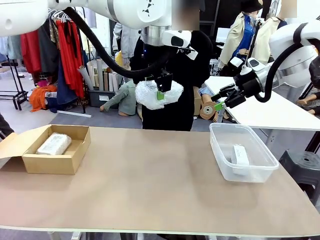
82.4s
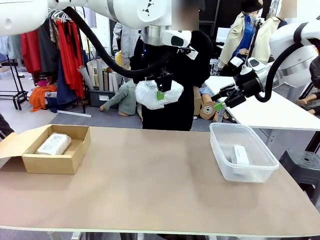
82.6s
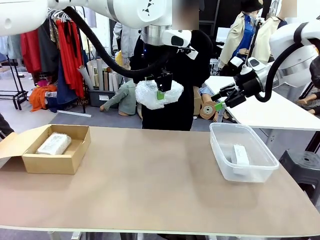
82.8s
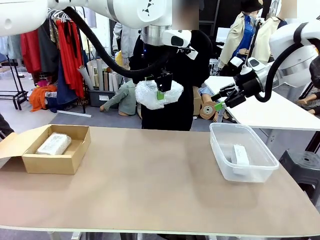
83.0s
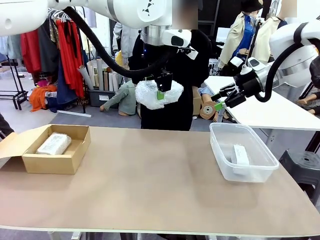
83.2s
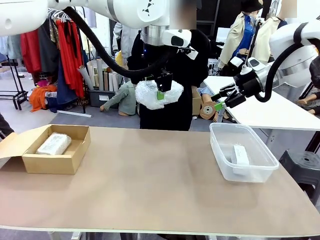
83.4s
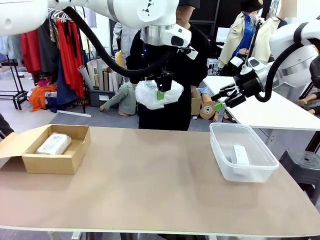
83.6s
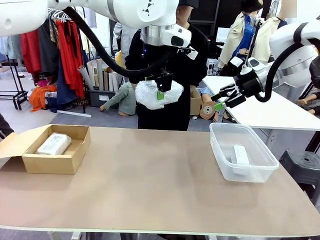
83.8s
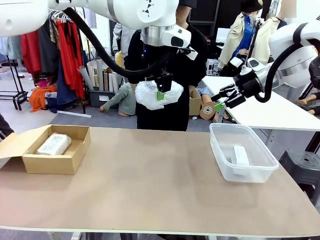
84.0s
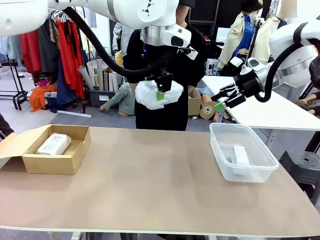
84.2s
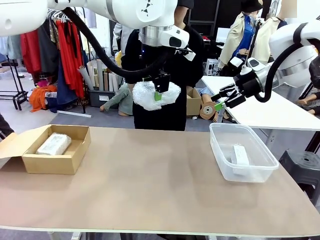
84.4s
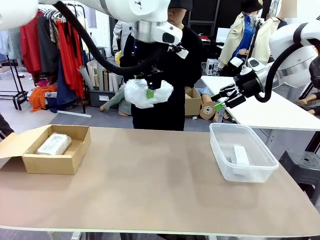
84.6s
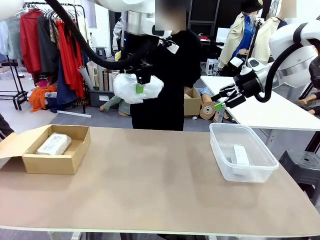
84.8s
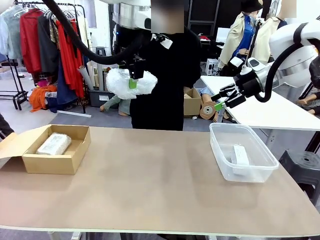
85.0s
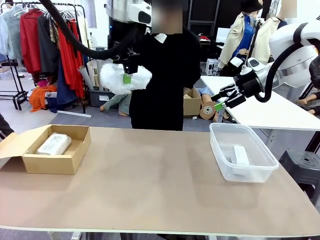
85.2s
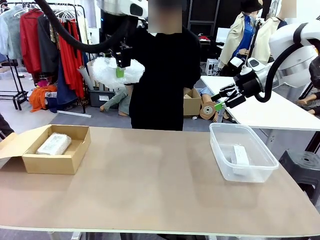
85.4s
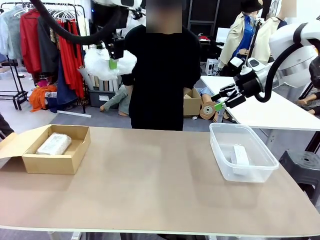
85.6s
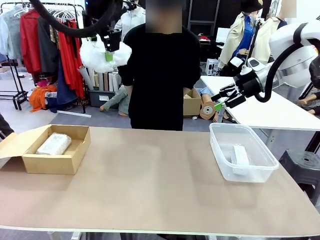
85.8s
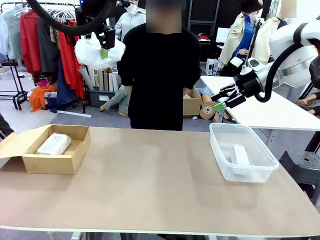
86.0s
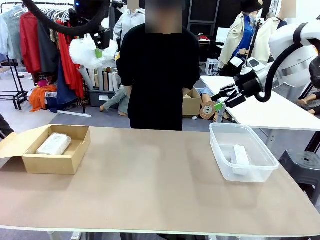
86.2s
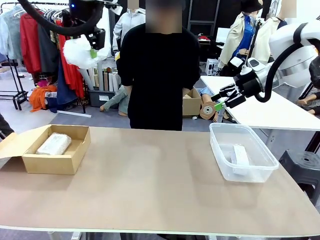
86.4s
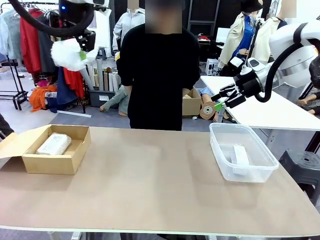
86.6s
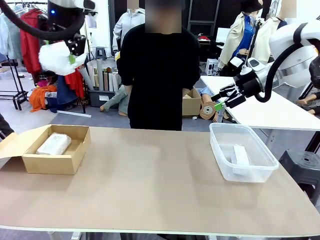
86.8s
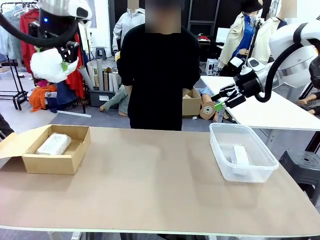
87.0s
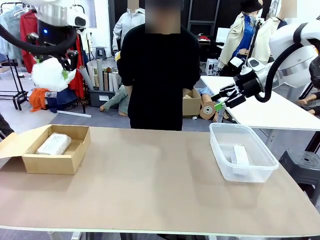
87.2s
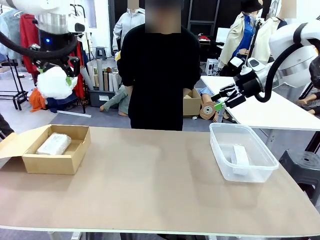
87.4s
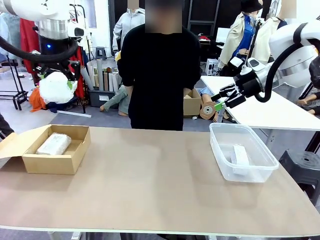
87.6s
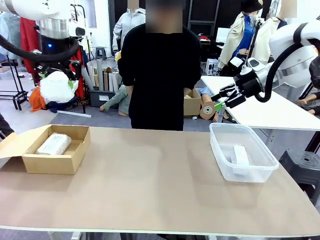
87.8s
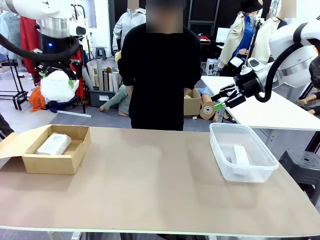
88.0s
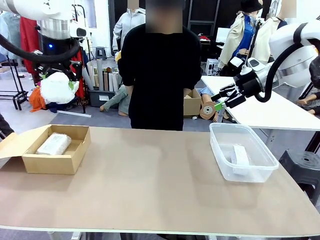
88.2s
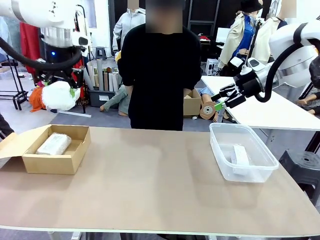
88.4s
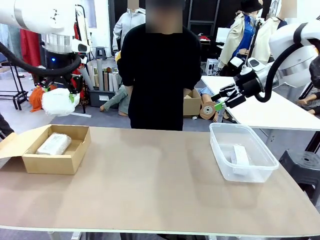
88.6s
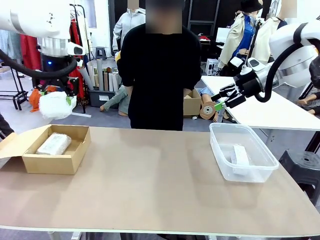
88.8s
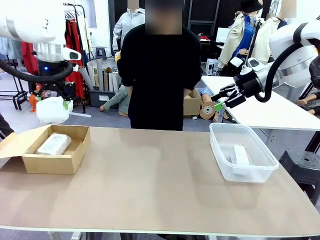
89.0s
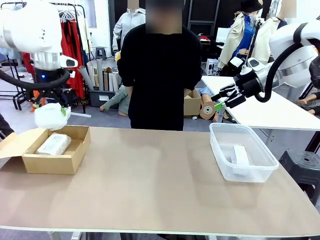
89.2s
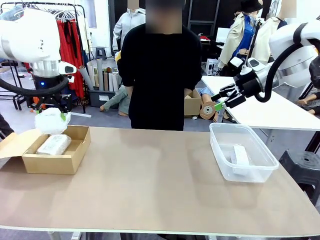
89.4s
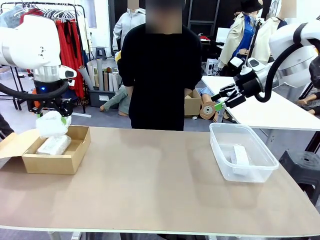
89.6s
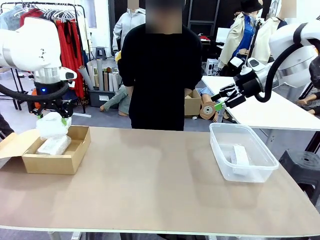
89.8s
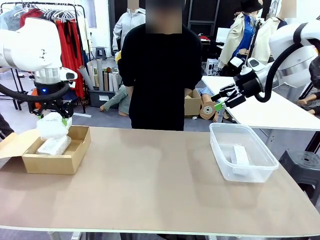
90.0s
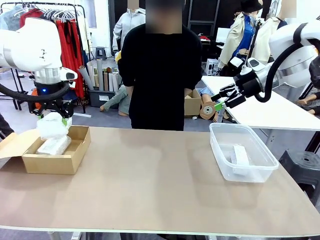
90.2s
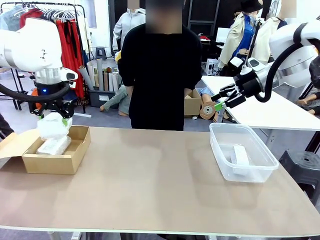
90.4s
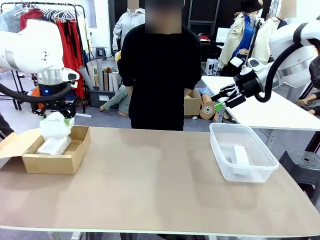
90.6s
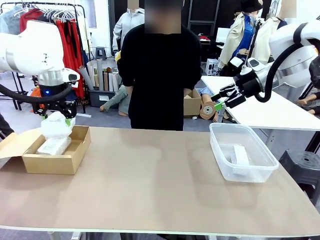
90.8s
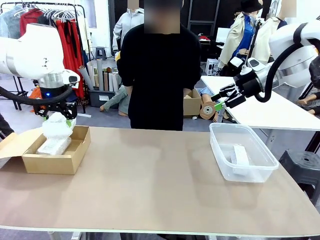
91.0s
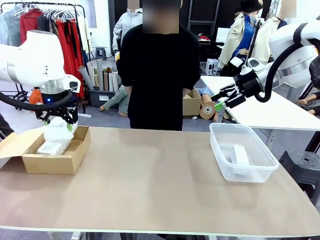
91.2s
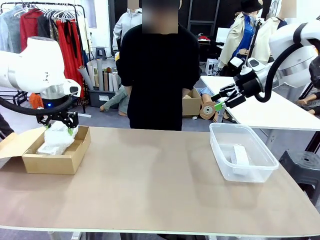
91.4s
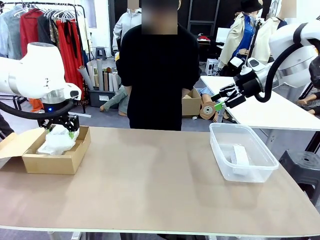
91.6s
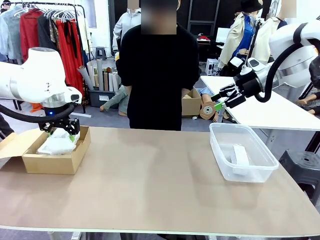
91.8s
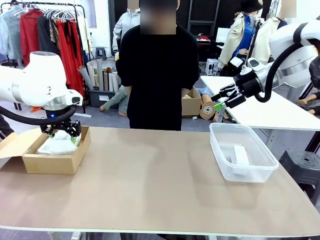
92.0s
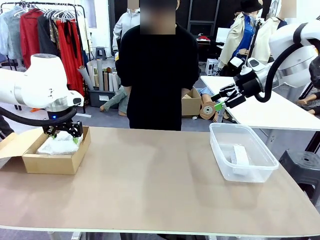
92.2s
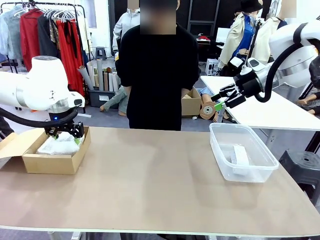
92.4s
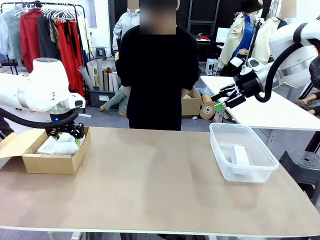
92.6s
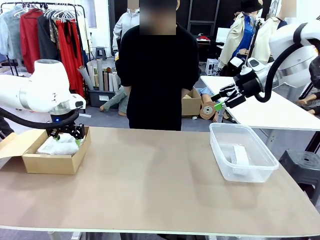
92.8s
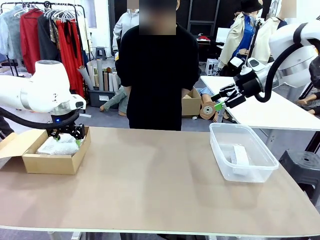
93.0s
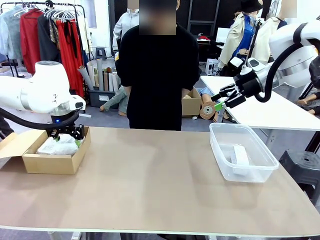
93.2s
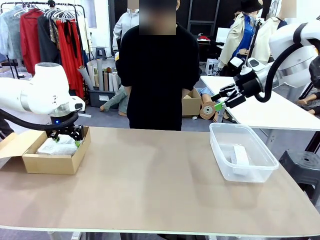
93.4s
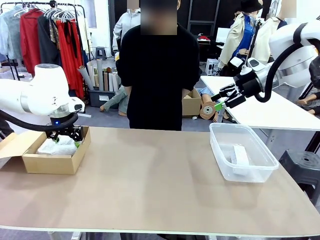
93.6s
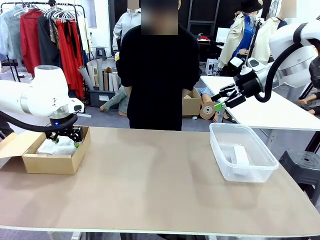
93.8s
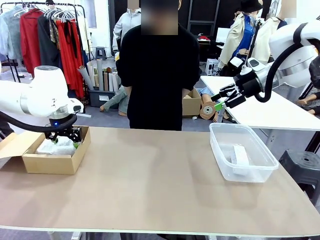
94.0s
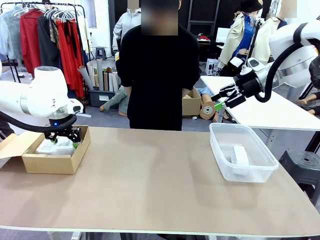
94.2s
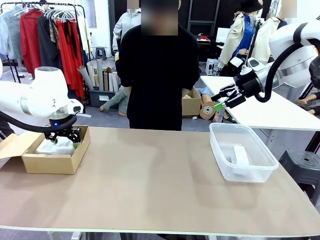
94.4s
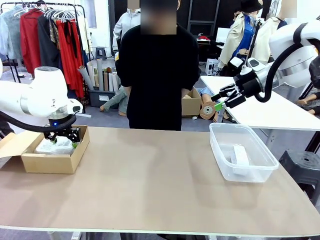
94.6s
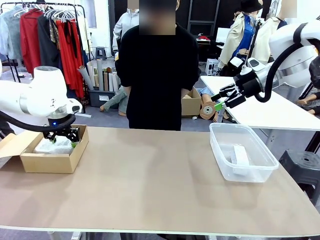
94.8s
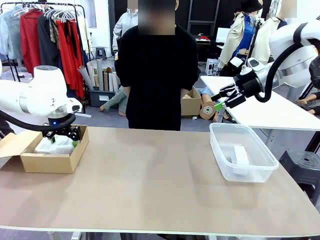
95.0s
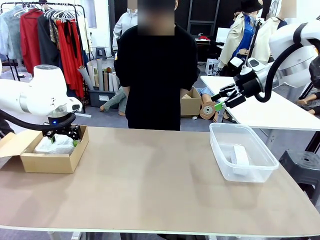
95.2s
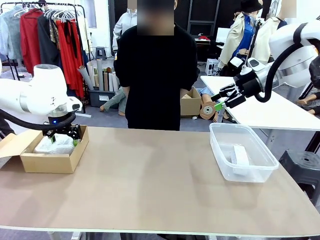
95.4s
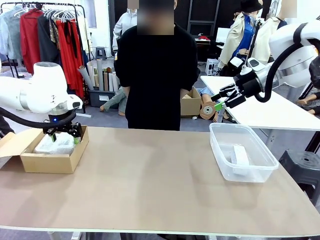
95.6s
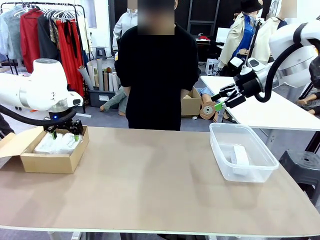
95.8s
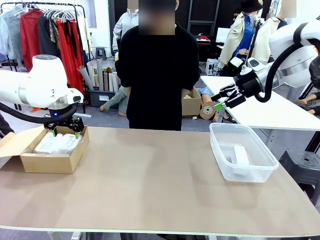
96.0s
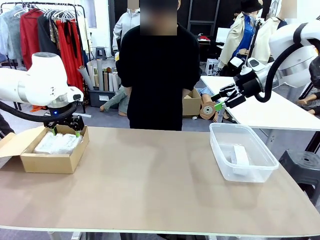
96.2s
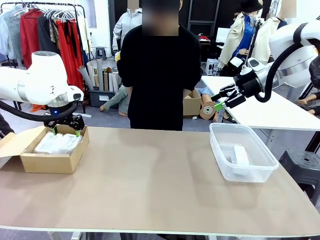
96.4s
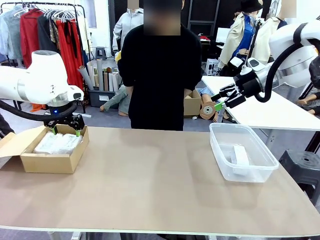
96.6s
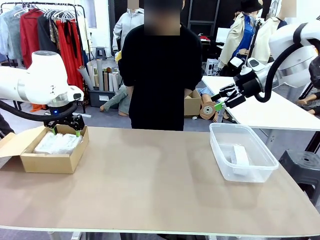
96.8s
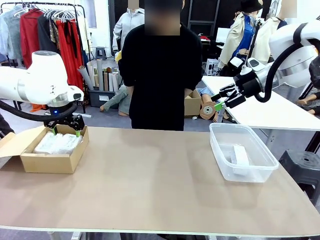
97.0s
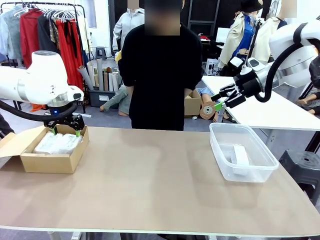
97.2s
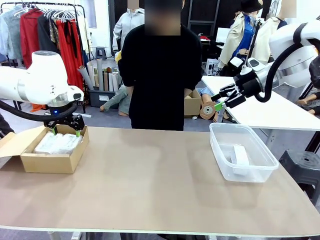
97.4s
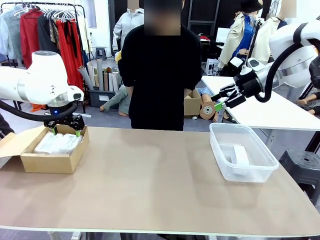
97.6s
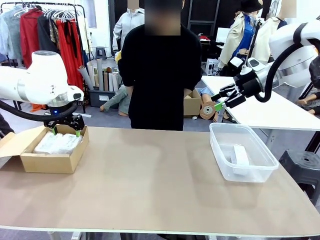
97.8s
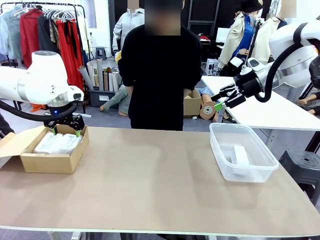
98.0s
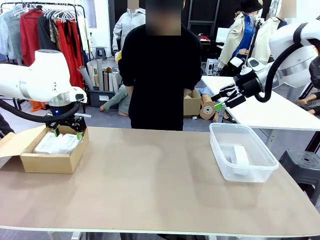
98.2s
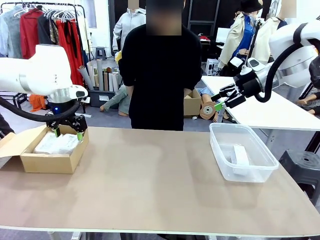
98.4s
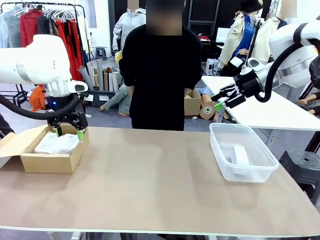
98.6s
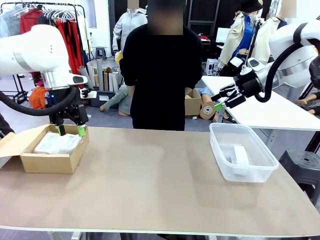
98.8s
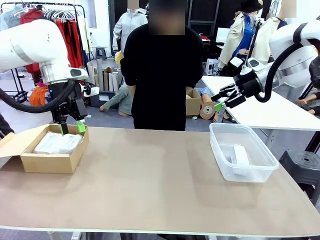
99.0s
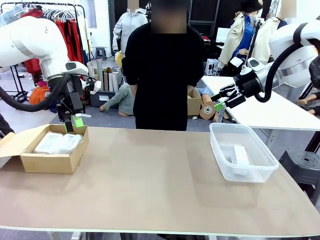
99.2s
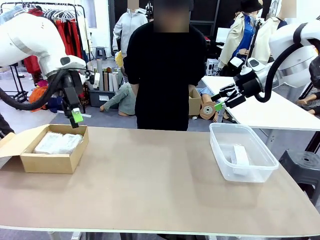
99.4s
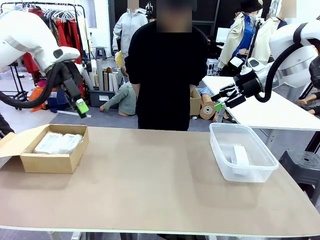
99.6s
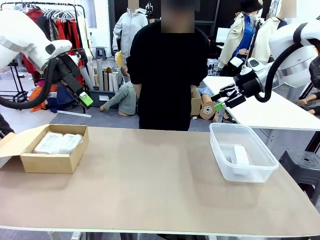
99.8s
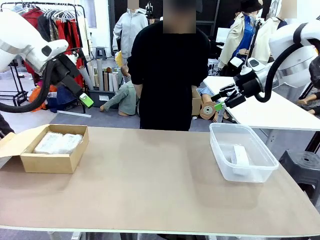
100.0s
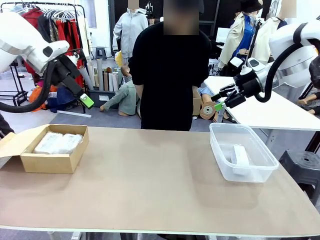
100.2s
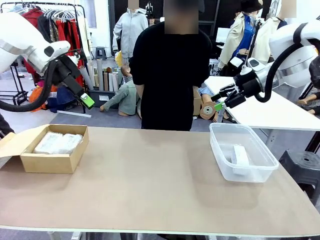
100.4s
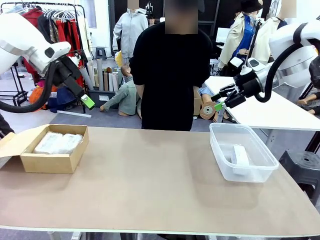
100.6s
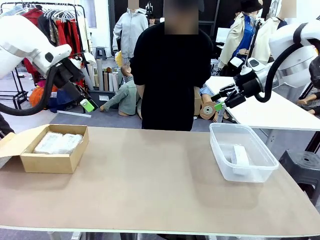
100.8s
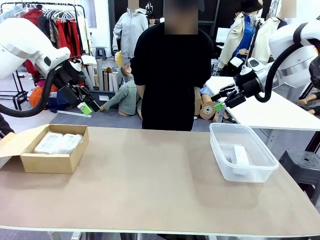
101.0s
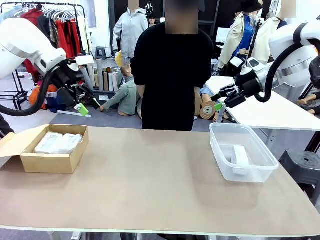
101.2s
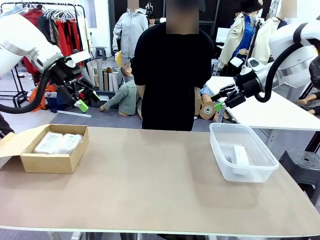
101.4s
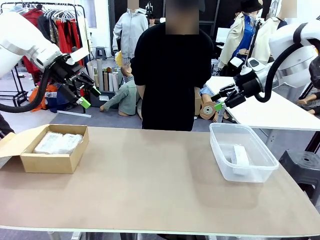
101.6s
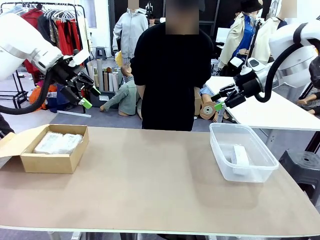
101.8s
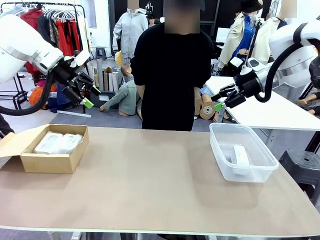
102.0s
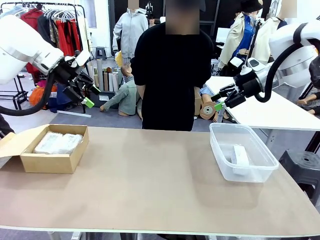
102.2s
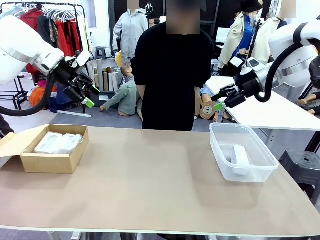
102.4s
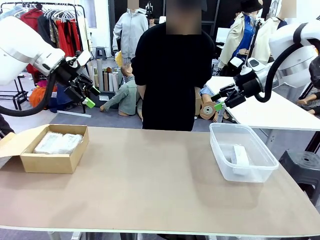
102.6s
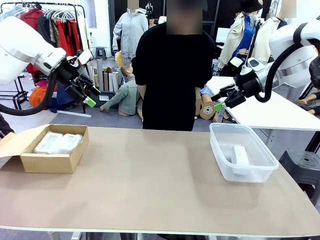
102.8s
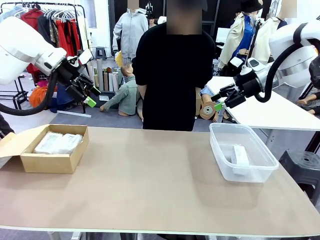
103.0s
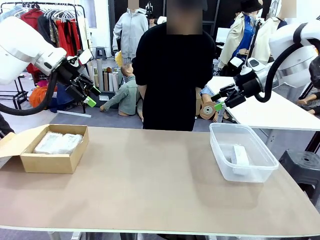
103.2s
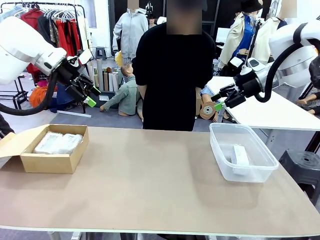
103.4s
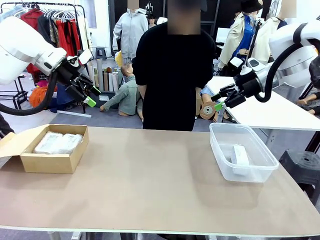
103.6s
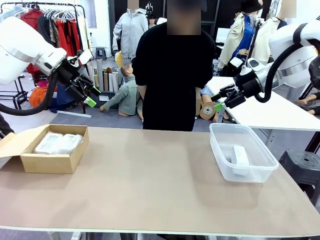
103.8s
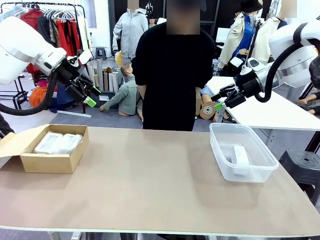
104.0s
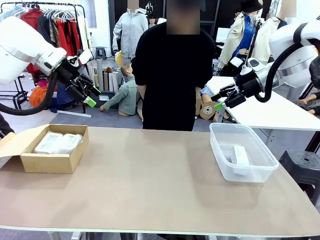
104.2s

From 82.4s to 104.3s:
Task: Separate and place wrapped and unwrapped clocks.
Robot: If the picked Digital clock is wrapped, place it in the Package Box ; if not, place it in the Organizing box.
